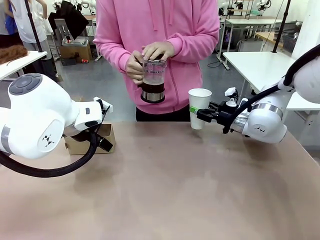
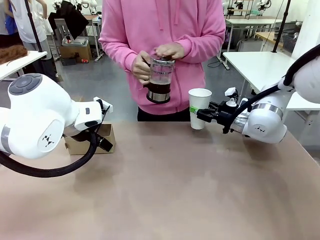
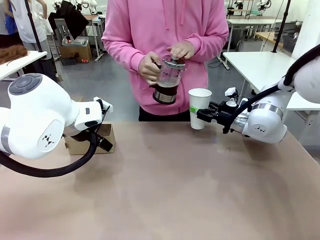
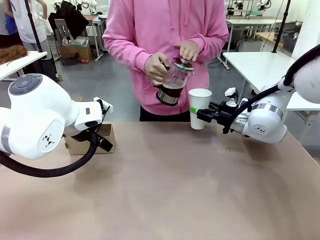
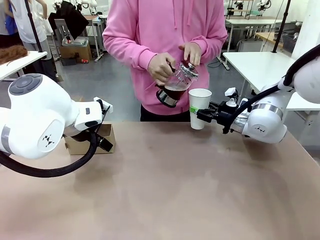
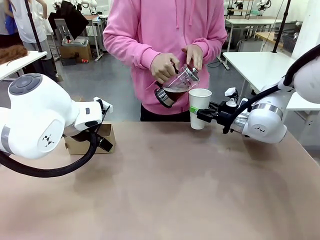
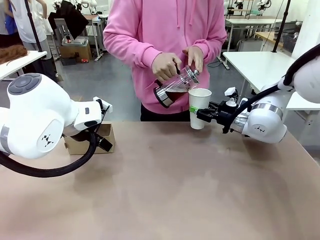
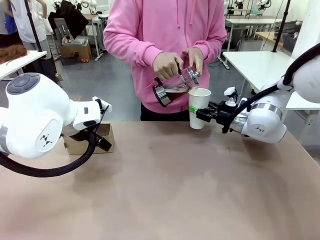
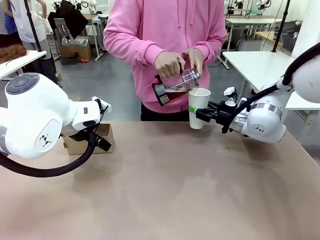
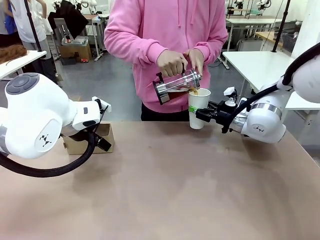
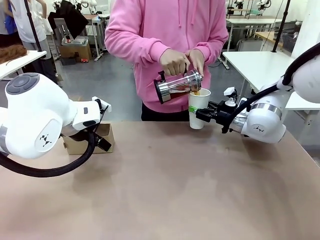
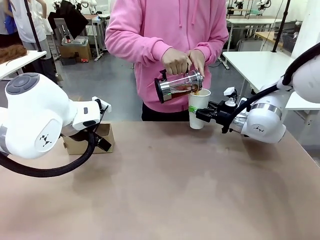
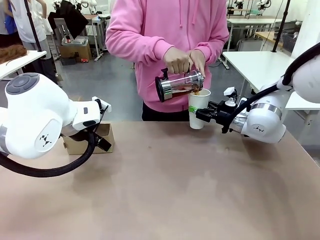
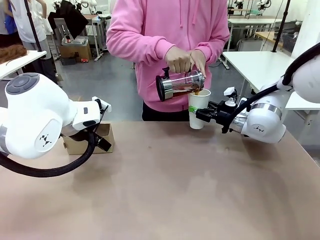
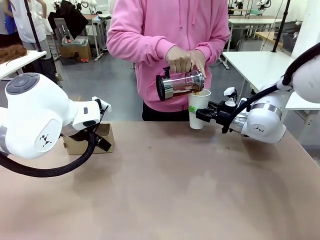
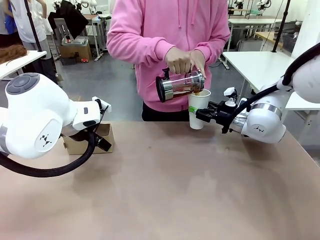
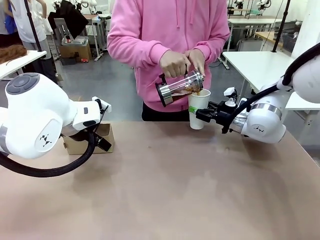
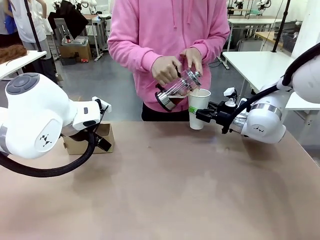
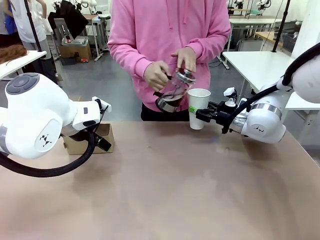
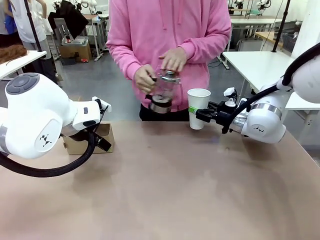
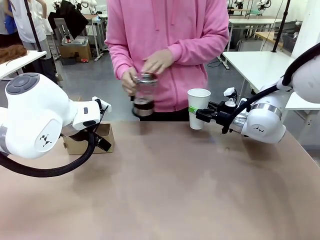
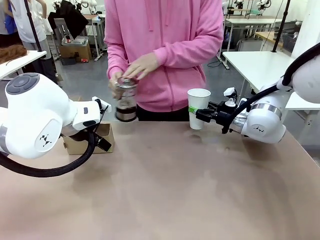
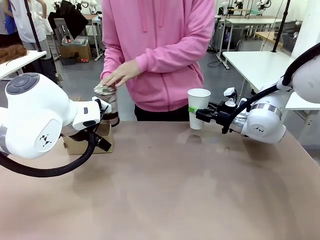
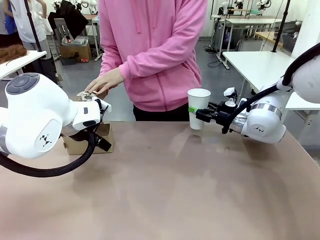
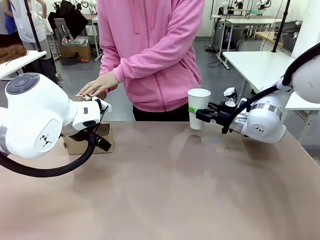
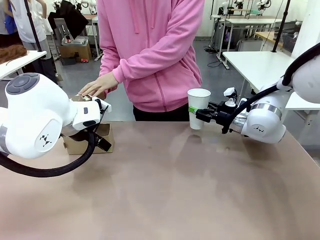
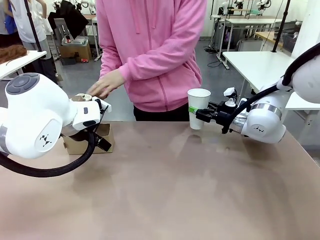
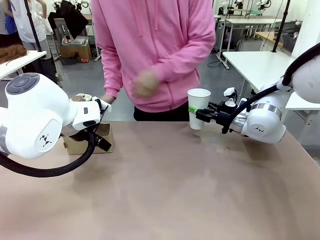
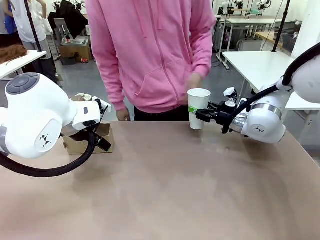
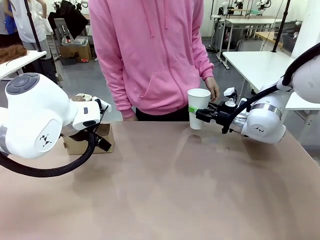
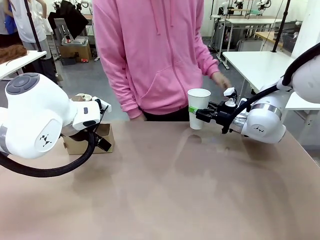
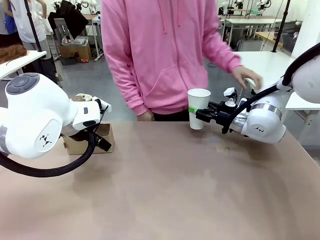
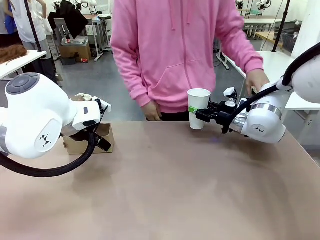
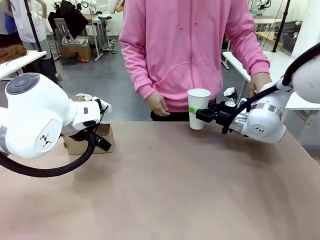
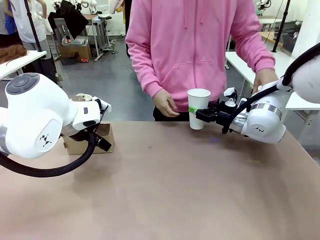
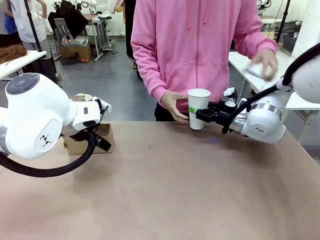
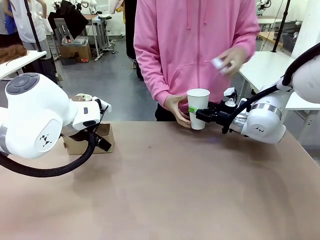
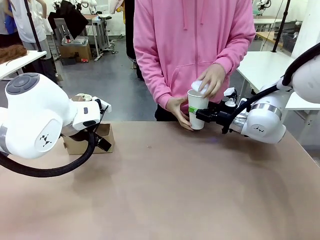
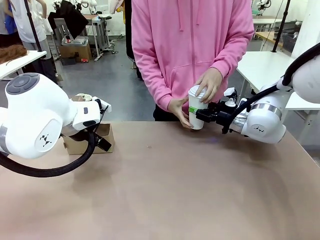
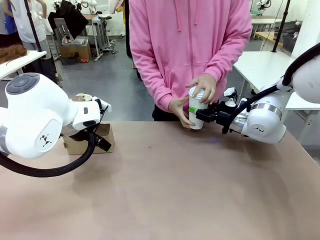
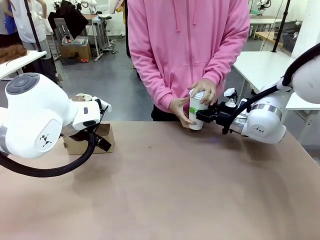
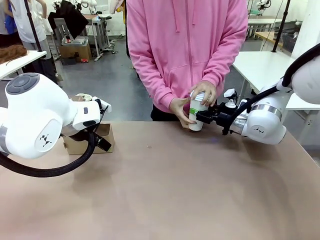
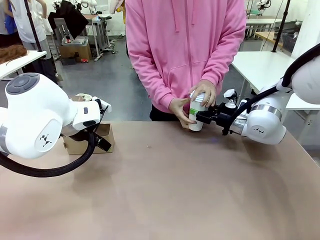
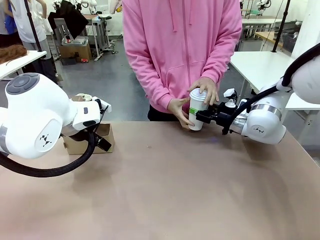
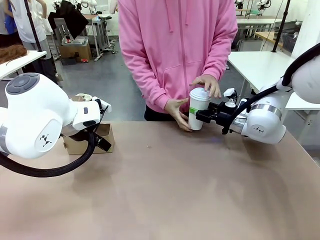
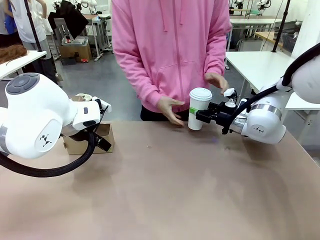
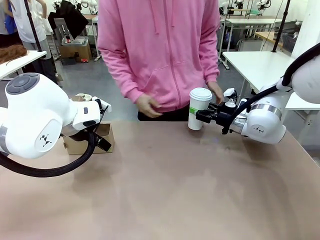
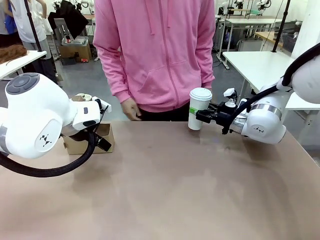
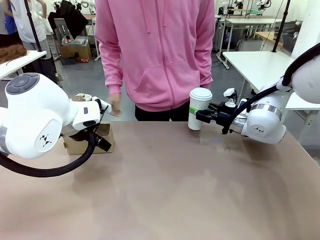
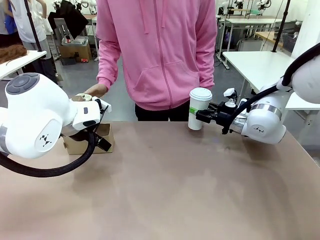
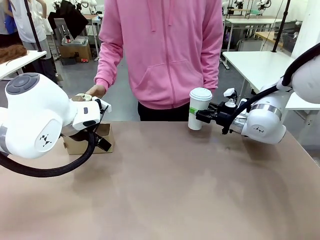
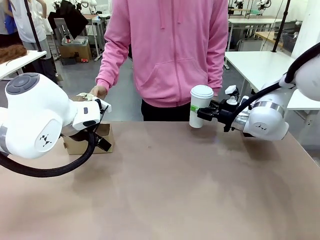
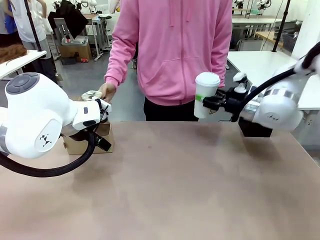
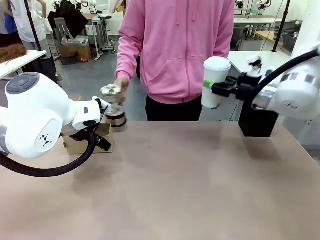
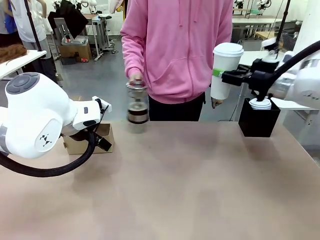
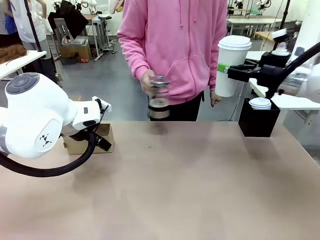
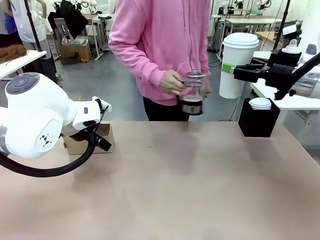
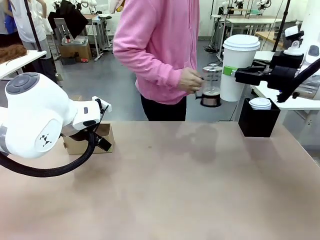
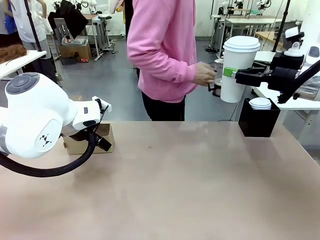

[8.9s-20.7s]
Task: Pour a drink into a cup and package it in a carrier.
Robot: When a person places the Paper Cup Lid on the 600 ml Paper Cup , lift the 600 ml Paper Cup.
Person: Pour the drink from the Filter Brewing into the 600 ml Paper Cup. Place a Paper Cup Lid on the 600 ml Paper Cup.

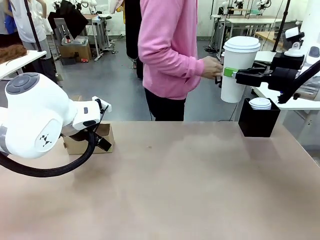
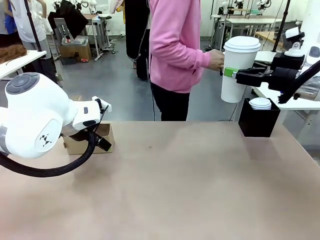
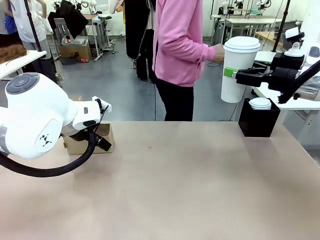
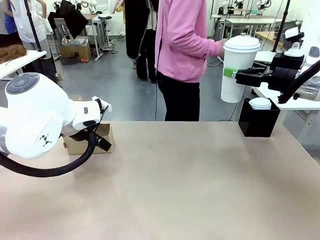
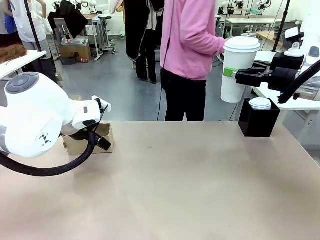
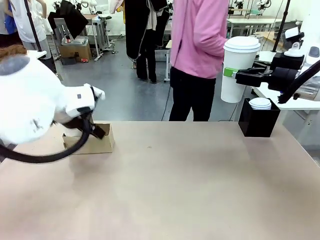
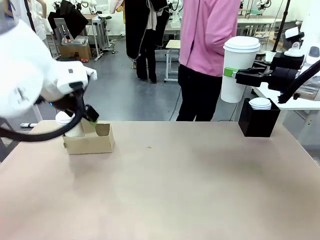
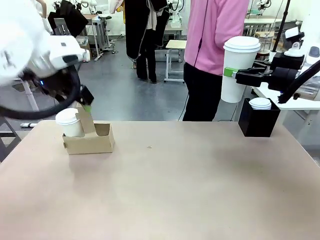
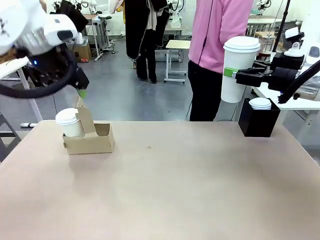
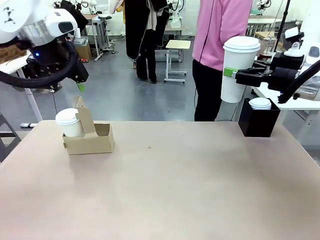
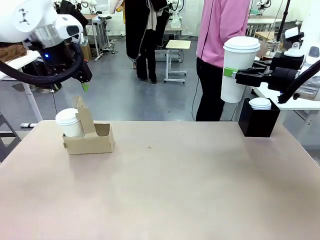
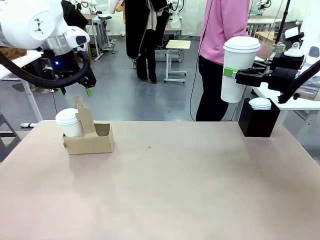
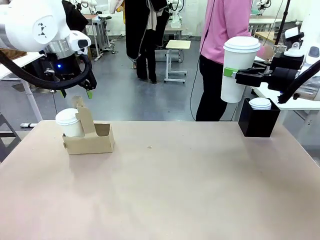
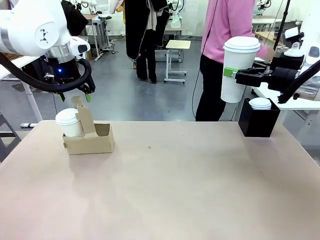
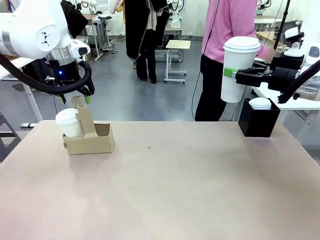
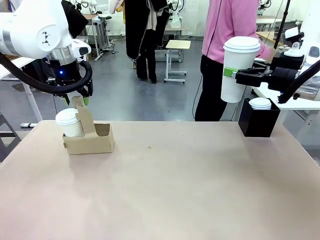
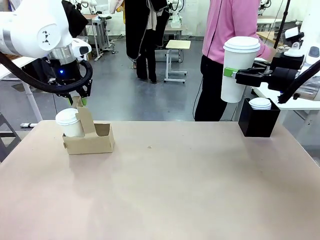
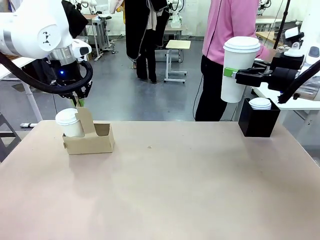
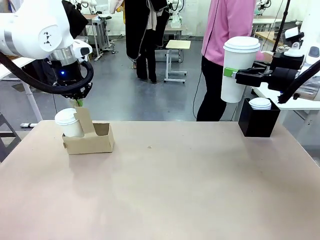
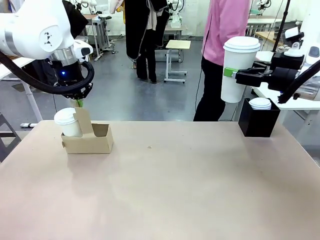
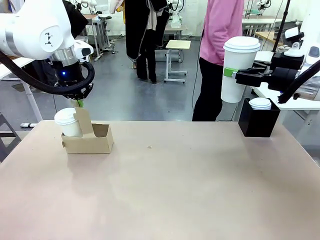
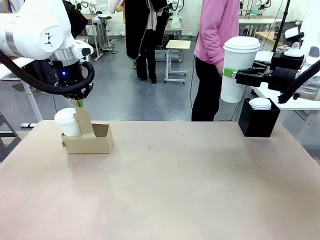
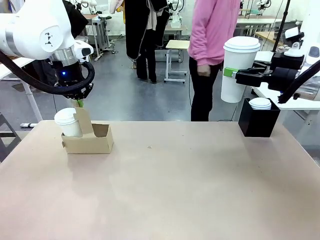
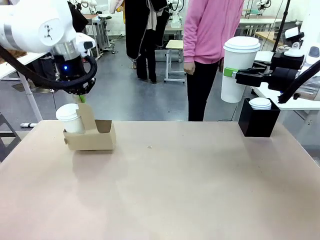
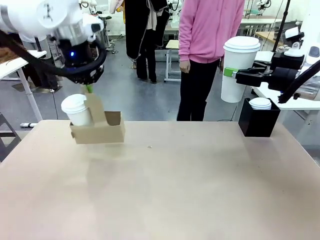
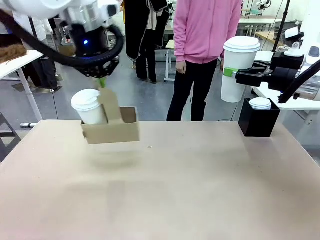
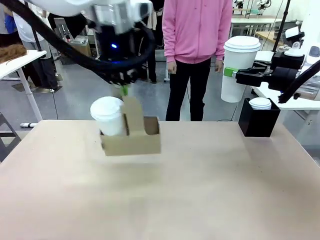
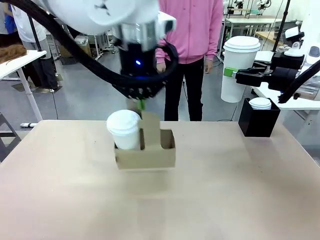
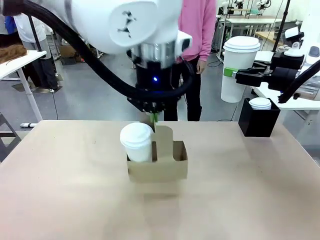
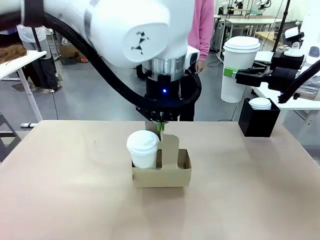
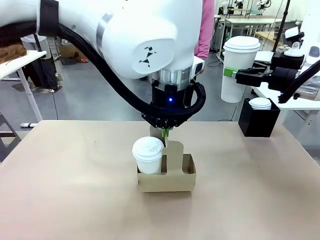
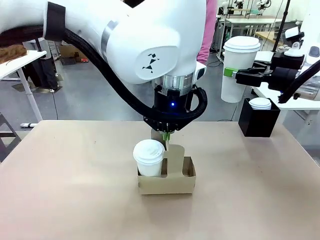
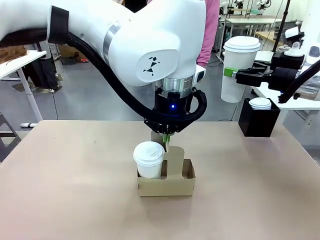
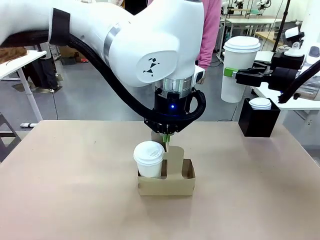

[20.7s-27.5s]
Robot: Position the Cup Carrier in the center of the table.
Person: Pick up the Filter Brewing and place on the middle of Human table, and return to the Robot table.

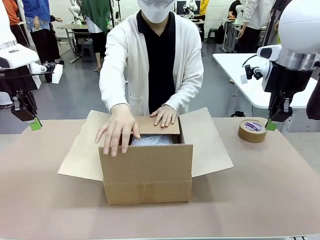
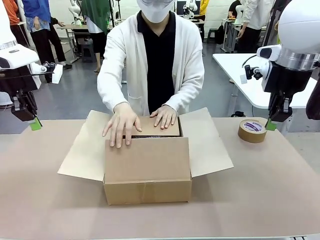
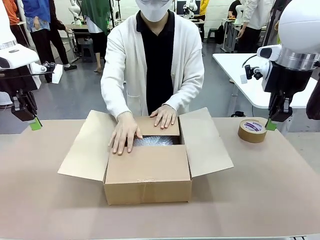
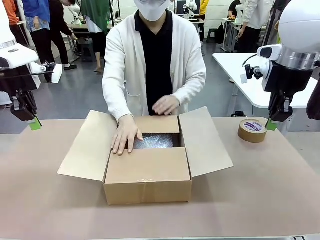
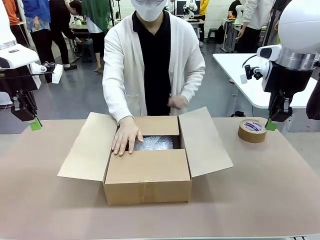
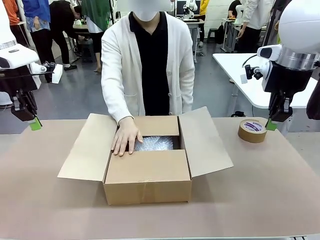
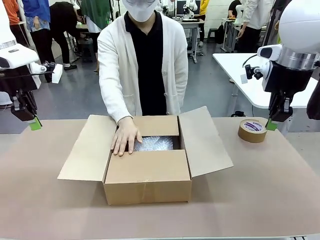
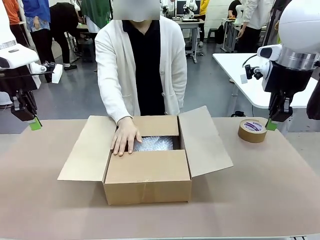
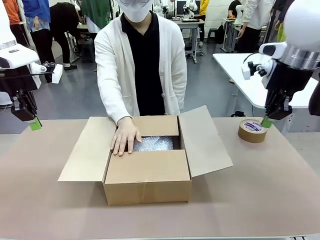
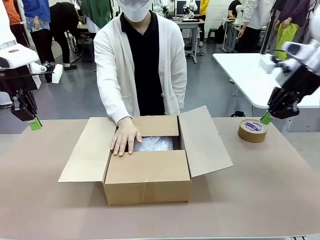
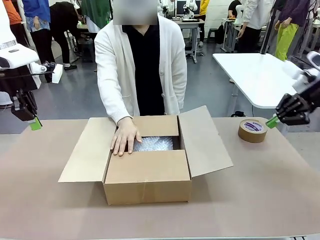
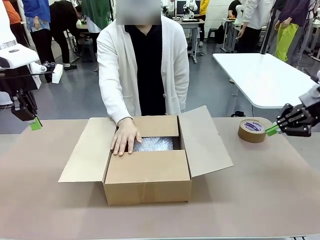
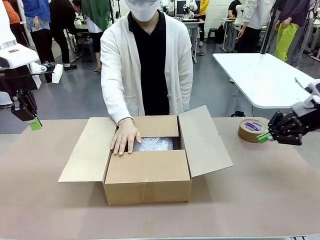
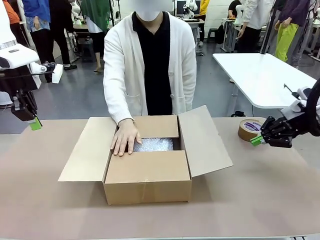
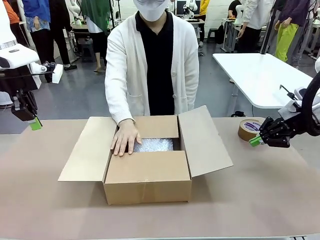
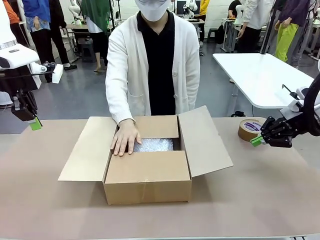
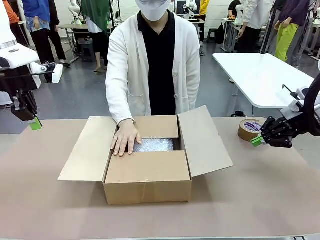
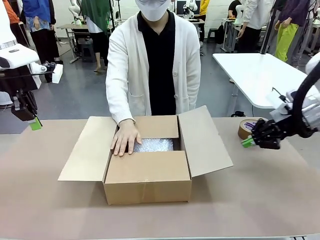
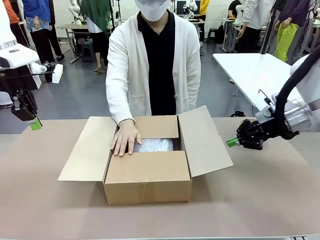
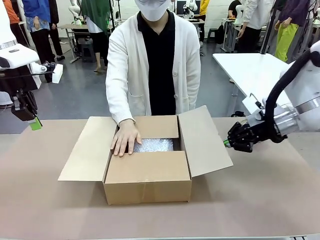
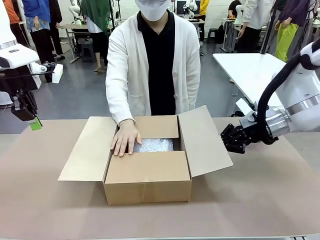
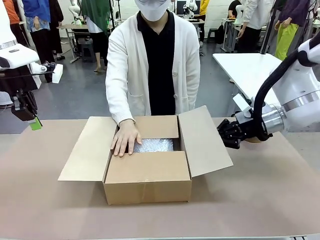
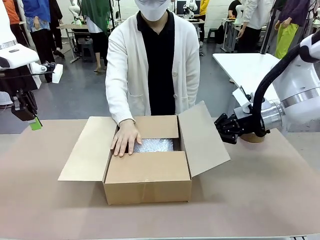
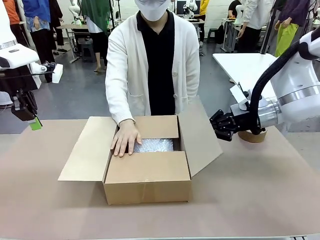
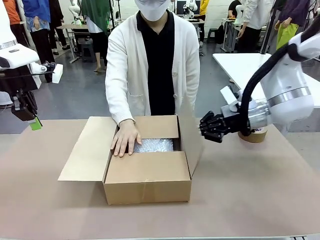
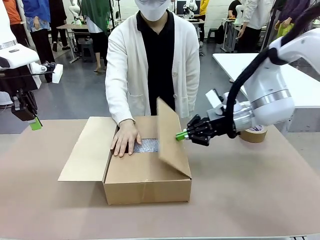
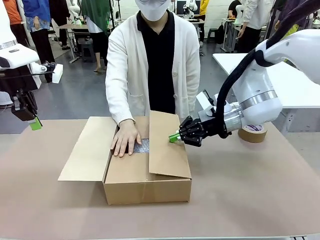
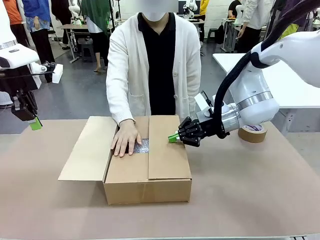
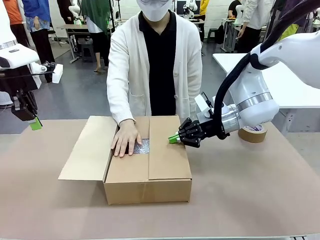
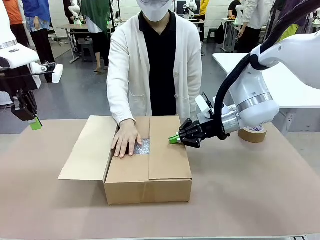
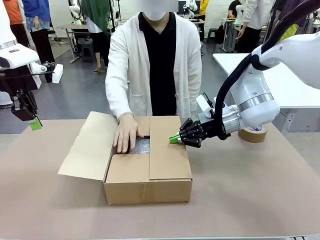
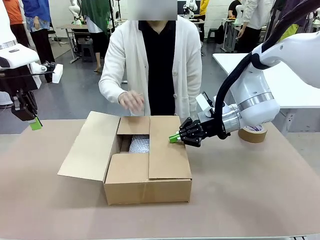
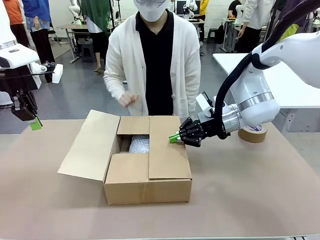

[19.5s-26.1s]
Task: Wrap the clocks to prevent damage.
Robot: Push the right (or left) flap of the Package Box to close it.
Person: Once the robot closes the right flap of the Package Box , release your left hand from the box.
